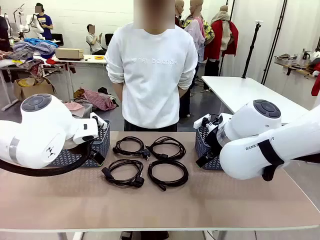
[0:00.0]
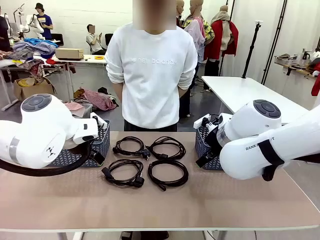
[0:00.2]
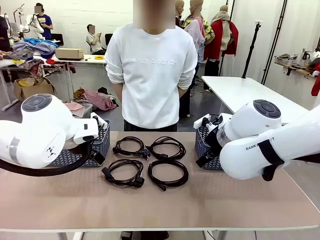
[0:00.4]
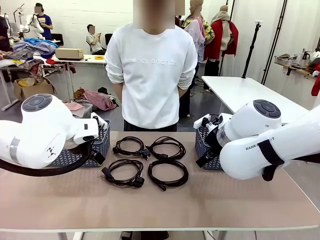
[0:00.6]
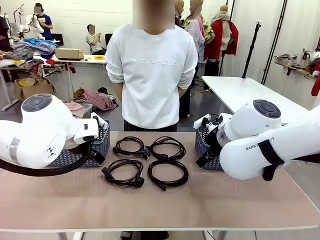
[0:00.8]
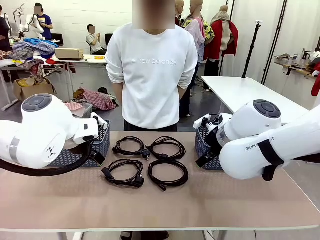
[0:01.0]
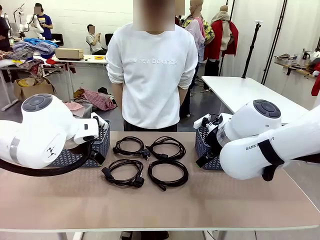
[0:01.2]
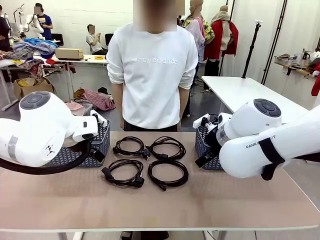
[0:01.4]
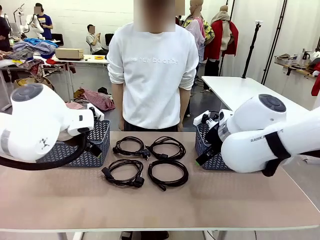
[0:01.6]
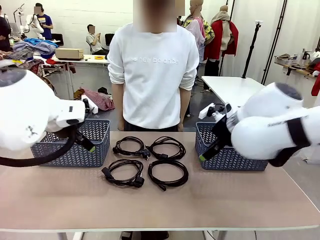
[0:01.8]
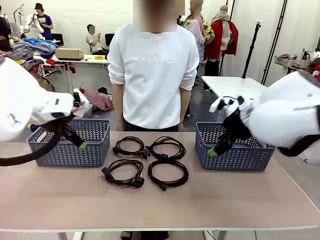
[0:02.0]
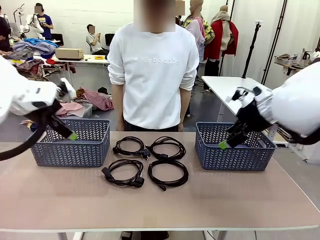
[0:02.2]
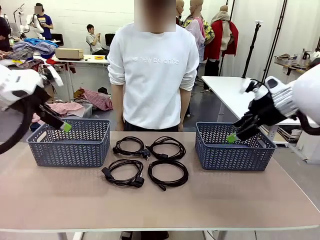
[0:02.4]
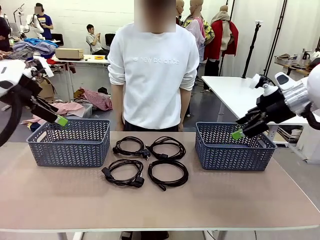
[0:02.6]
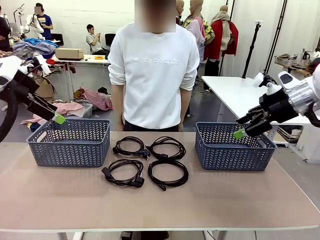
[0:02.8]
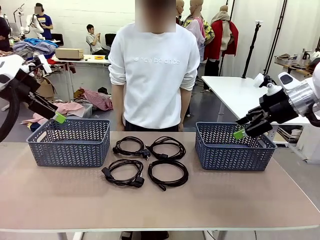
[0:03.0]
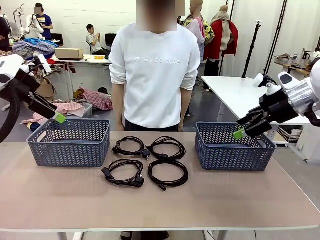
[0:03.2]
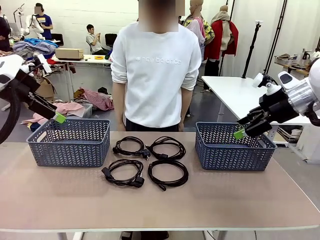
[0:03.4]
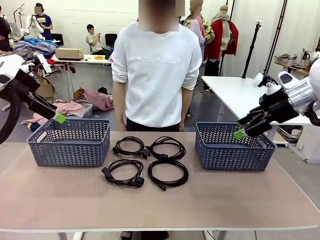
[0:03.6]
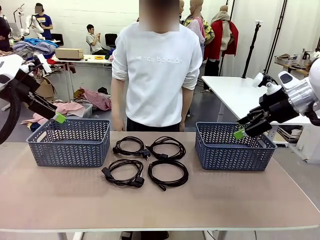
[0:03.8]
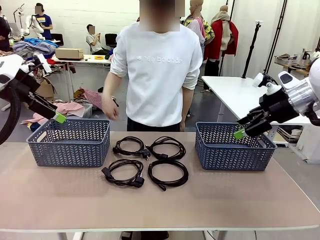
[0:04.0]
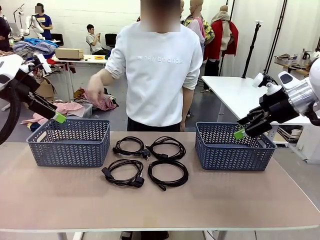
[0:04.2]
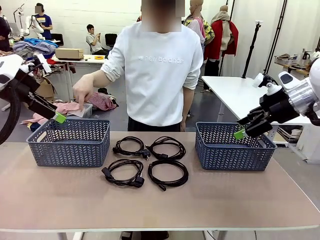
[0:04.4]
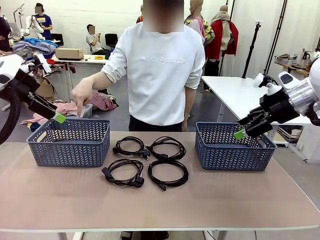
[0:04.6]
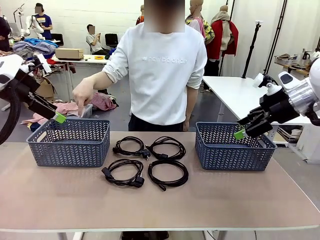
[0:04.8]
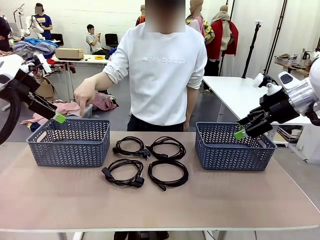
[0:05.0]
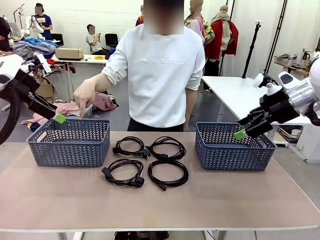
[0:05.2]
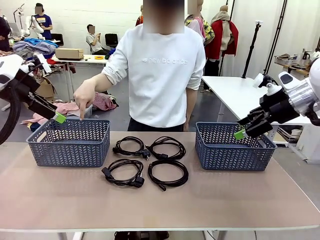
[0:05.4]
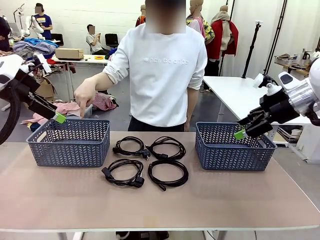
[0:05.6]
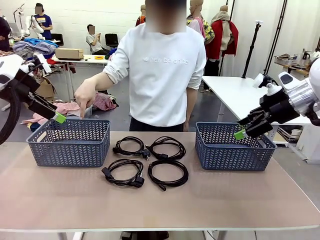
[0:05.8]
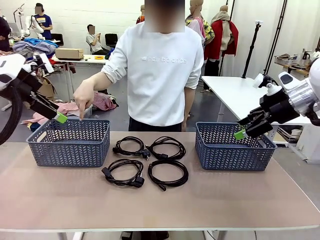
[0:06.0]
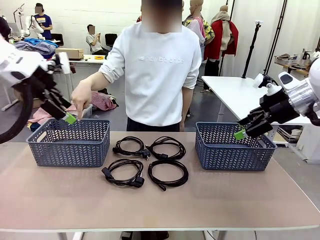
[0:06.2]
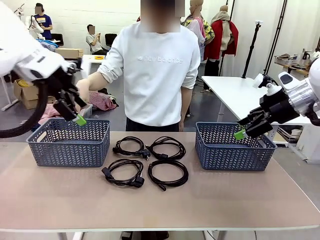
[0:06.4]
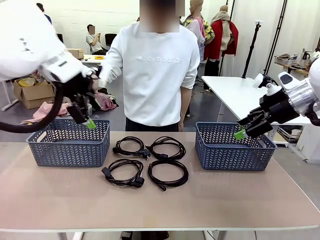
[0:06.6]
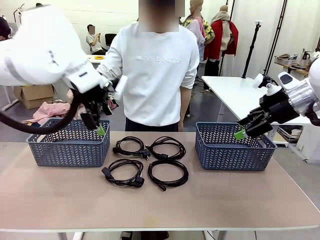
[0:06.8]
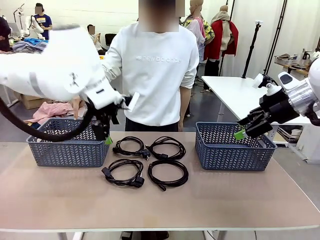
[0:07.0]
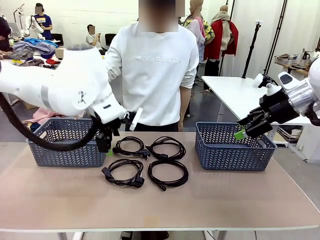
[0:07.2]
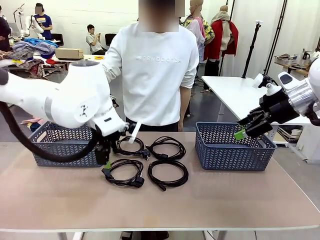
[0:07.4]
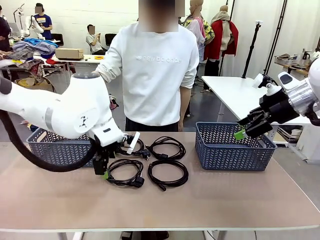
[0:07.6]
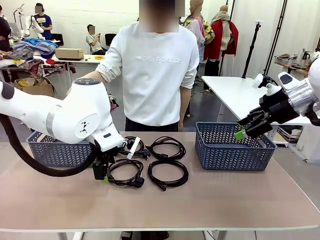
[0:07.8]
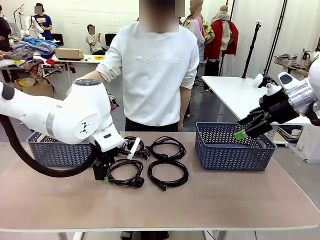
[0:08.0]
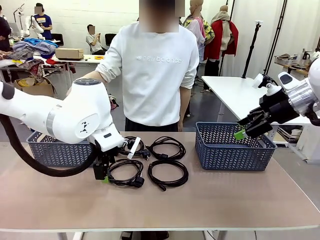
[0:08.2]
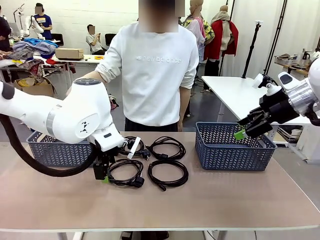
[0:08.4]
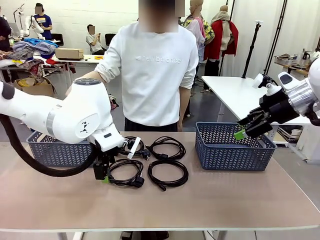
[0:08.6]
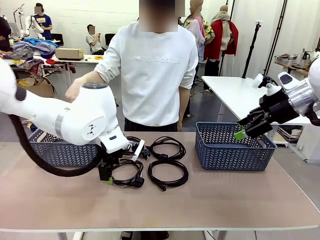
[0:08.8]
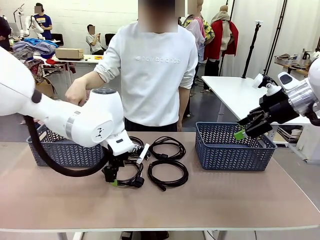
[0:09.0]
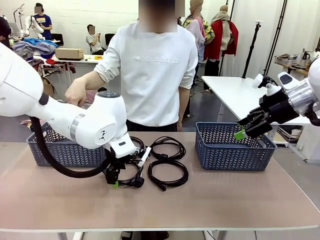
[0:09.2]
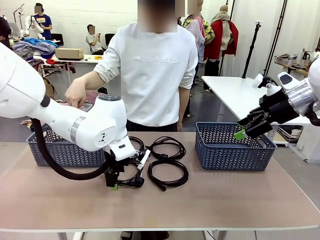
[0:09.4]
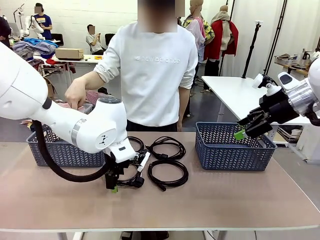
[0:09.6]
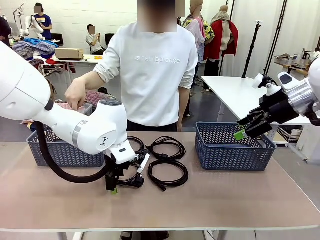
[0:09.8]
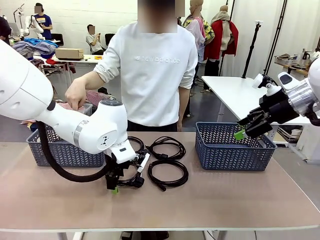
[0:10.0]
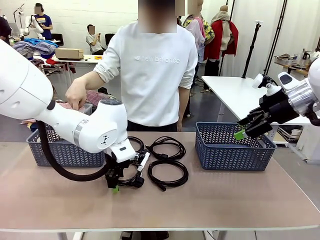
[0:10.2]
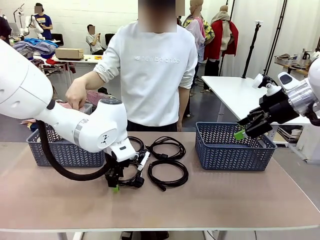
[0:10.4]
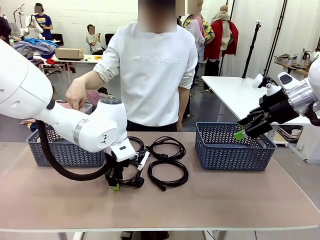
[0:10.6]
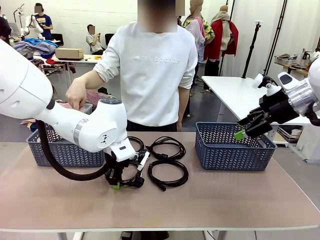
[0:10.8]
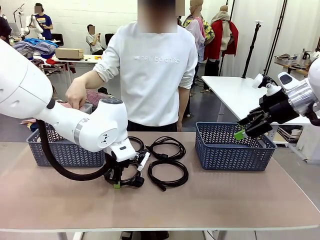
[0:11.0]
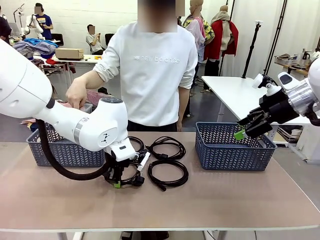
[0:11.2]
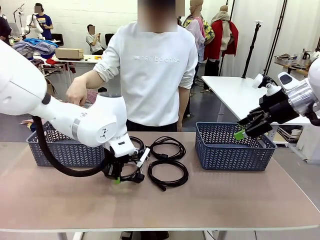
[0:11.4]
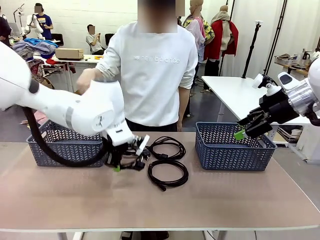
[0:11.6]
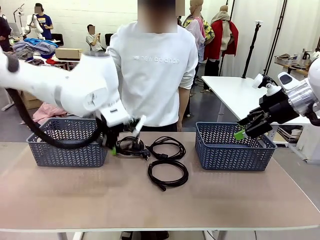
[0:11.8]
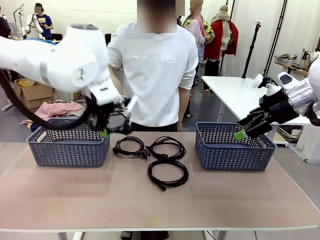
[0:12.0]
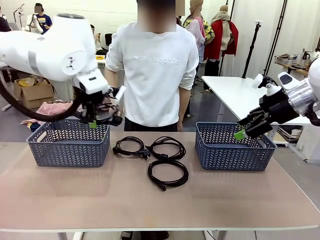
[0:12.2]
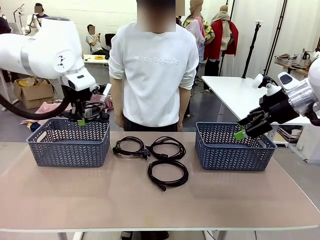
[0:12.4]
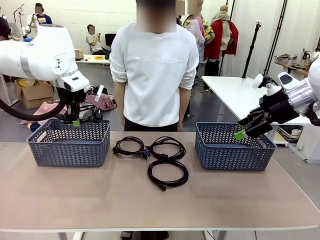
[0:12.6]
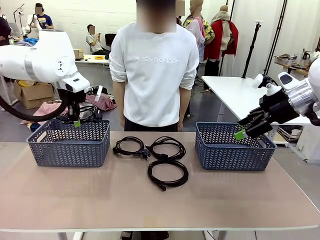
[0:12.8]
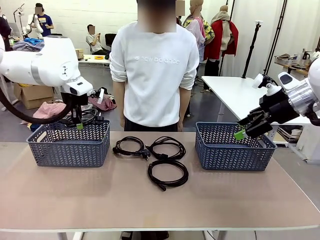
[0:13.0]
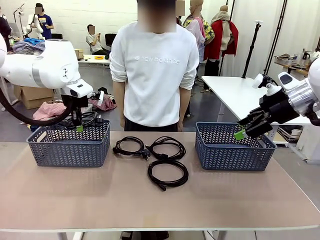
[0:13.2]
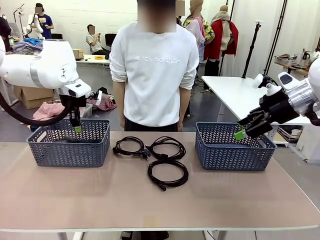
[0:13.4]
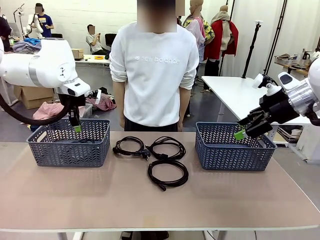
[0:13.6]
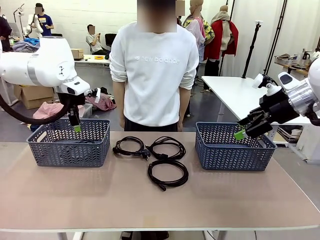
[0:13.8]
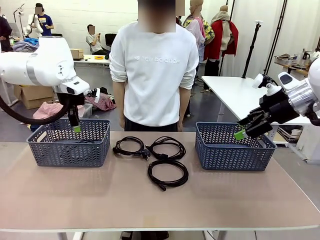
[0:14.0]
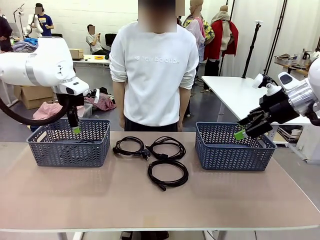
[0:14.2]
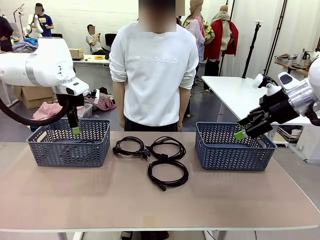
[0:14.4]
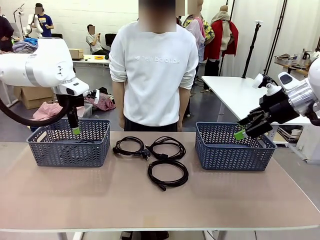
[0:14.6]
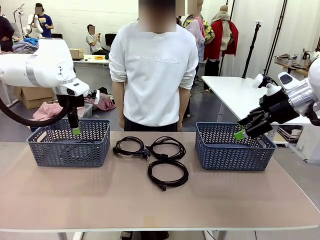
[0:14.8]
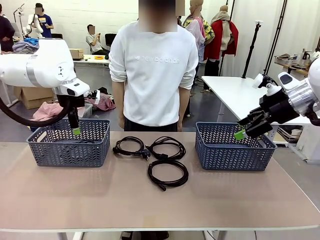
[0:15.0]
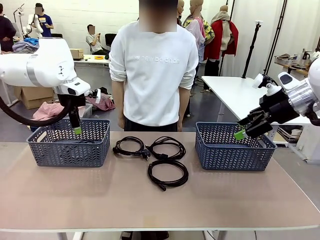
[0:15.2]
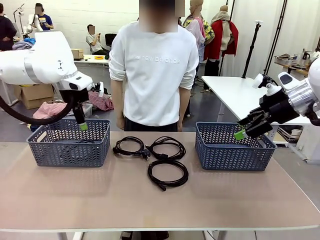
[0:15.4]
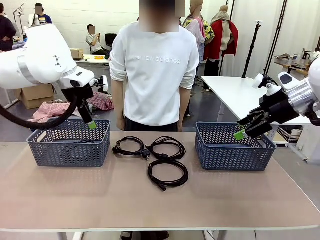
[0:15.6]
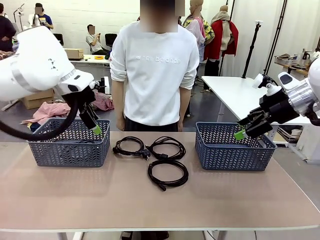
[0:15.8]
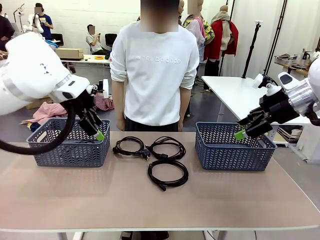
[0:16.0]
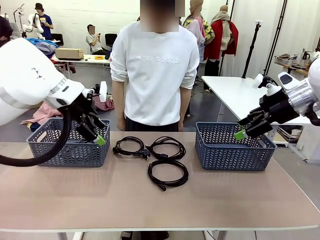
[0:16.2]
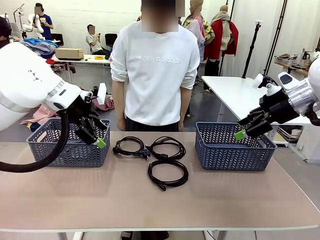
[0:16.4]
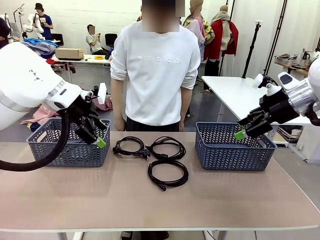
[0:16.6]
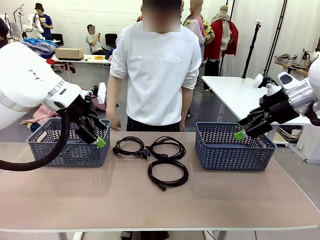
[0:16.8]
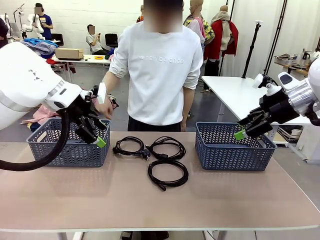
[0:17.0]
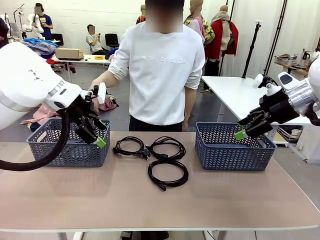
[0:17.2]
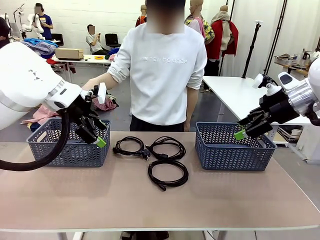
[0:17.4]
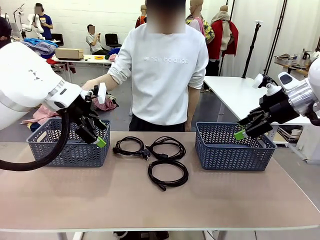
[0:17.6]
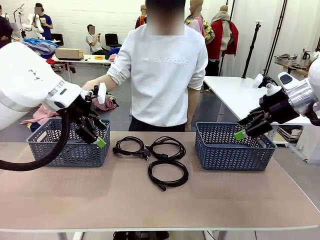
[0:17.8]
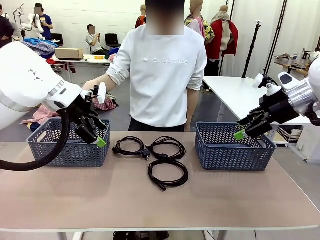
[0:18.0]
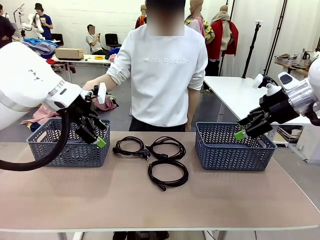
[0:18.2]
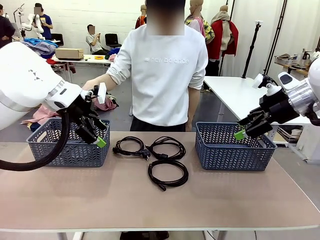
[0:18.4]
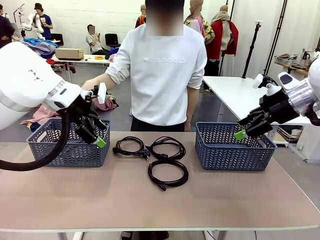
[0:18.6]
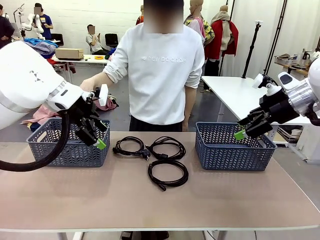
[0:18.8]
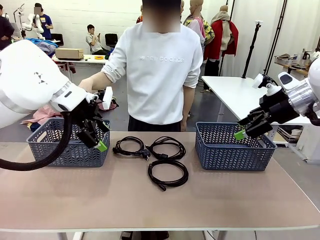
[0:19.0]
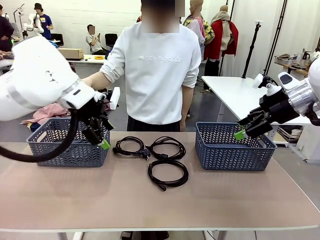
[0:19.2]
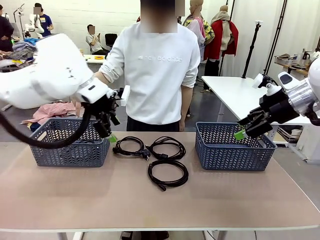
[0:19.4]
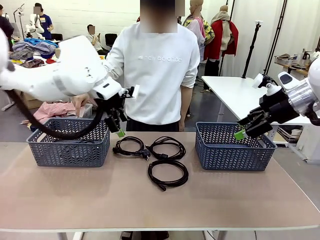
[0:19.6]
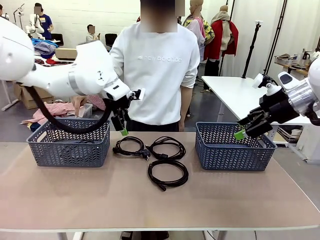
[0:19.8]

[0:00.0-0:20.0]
Task: Organize the cables according to human instructions.
Robot: Pick up a bundle of cables and place it in the basket indicated by the human.
